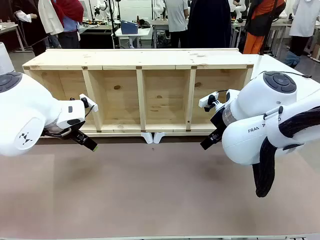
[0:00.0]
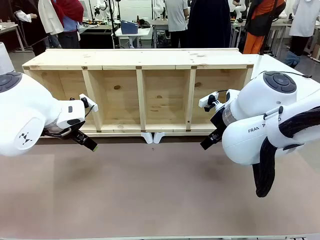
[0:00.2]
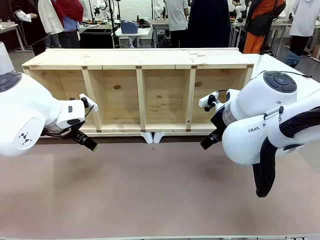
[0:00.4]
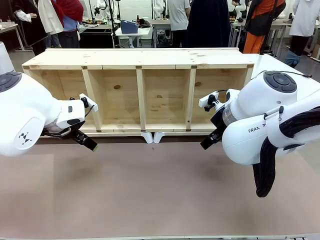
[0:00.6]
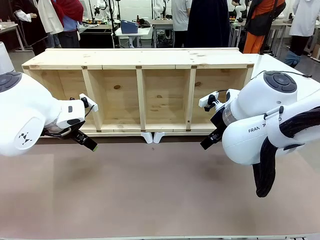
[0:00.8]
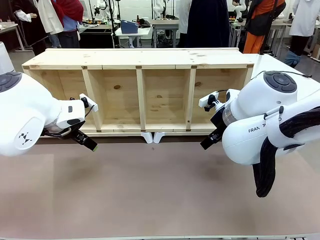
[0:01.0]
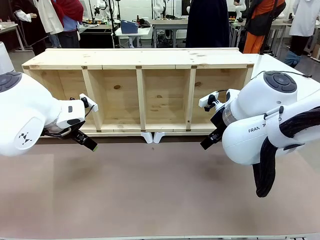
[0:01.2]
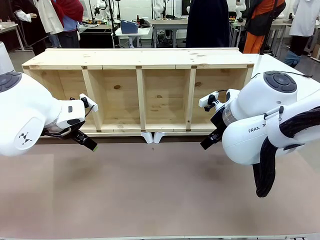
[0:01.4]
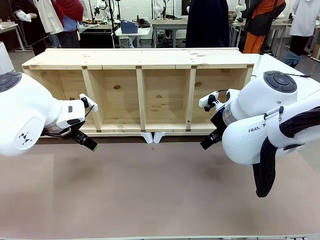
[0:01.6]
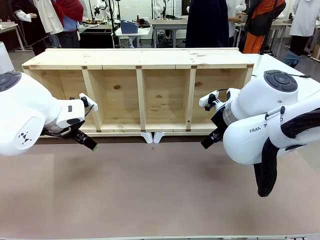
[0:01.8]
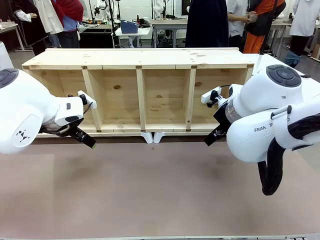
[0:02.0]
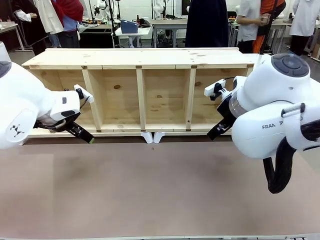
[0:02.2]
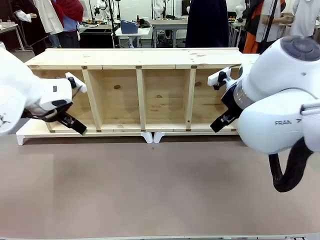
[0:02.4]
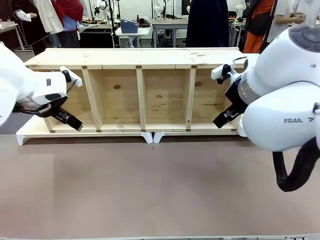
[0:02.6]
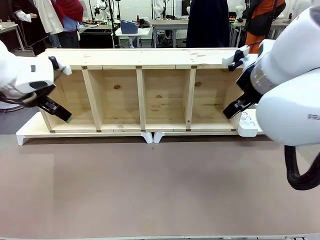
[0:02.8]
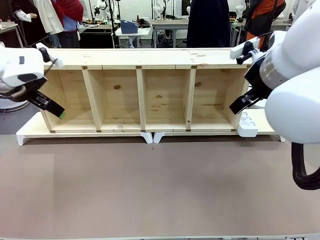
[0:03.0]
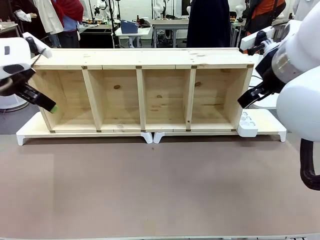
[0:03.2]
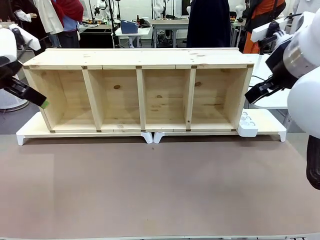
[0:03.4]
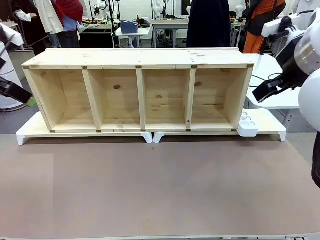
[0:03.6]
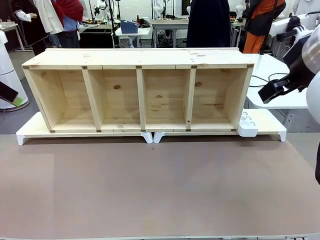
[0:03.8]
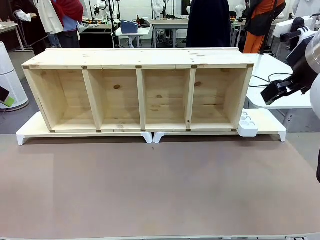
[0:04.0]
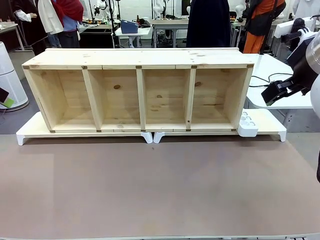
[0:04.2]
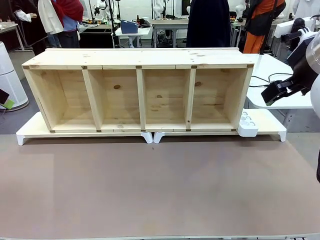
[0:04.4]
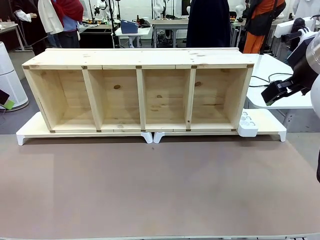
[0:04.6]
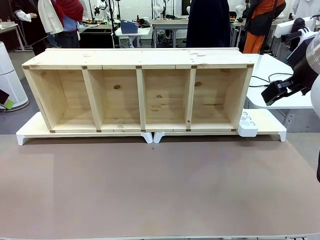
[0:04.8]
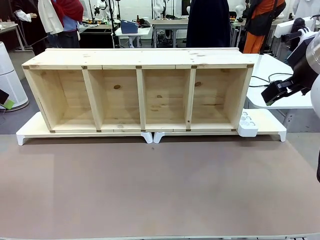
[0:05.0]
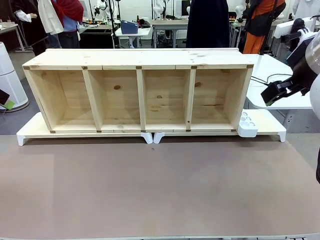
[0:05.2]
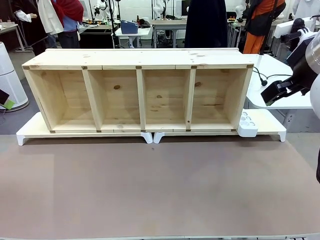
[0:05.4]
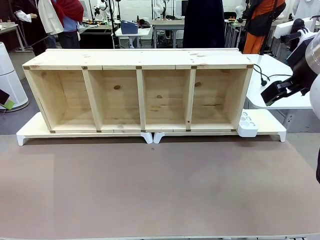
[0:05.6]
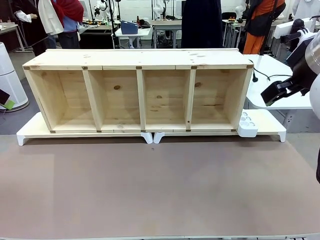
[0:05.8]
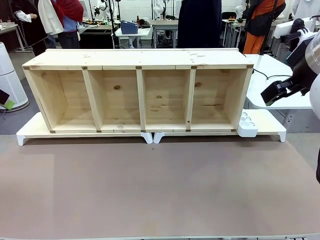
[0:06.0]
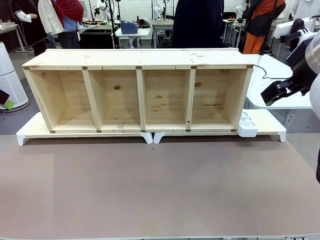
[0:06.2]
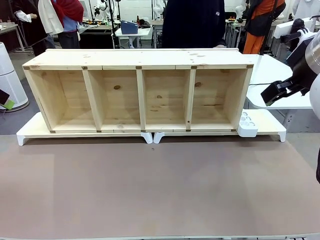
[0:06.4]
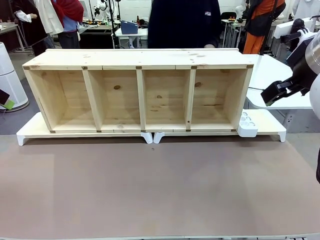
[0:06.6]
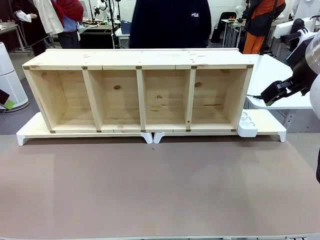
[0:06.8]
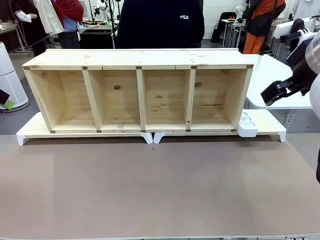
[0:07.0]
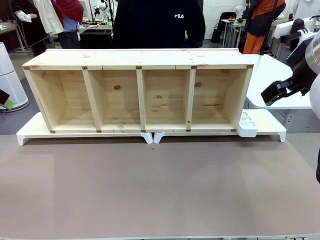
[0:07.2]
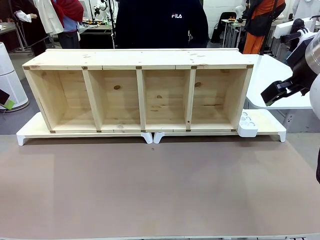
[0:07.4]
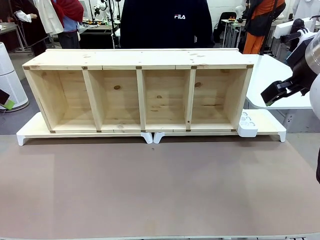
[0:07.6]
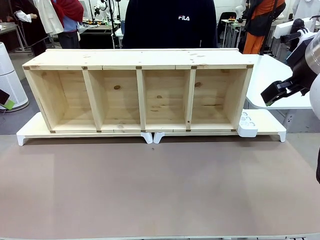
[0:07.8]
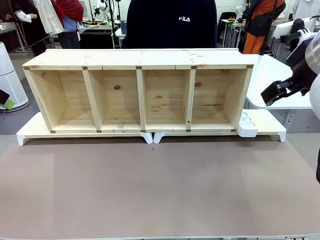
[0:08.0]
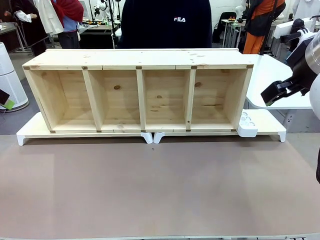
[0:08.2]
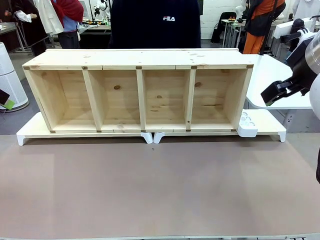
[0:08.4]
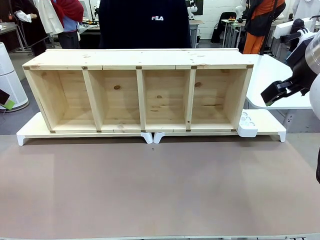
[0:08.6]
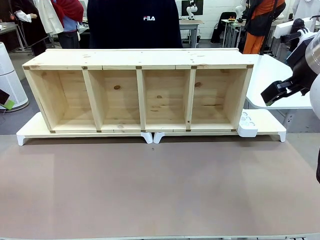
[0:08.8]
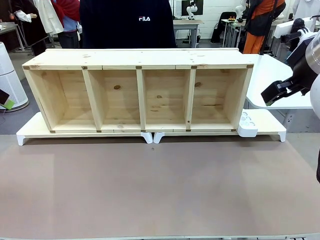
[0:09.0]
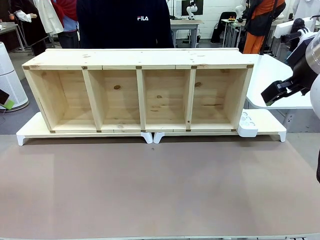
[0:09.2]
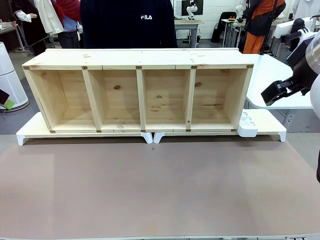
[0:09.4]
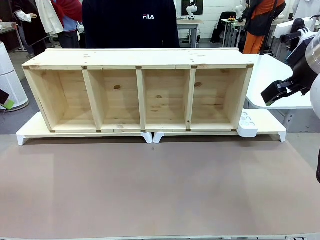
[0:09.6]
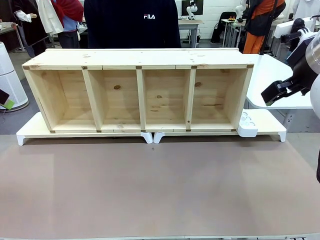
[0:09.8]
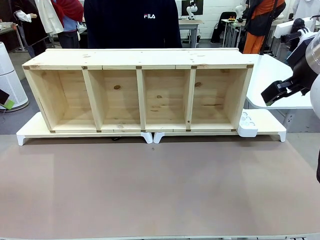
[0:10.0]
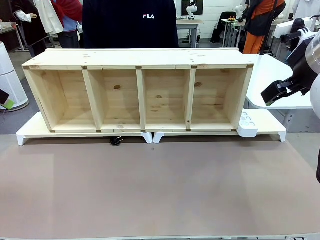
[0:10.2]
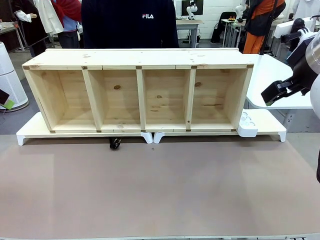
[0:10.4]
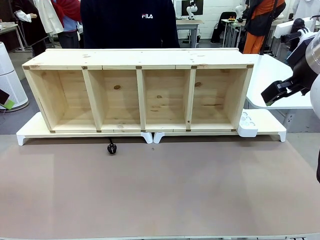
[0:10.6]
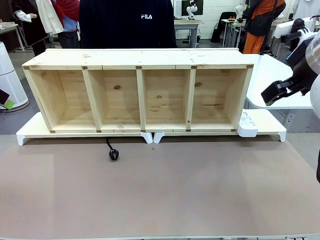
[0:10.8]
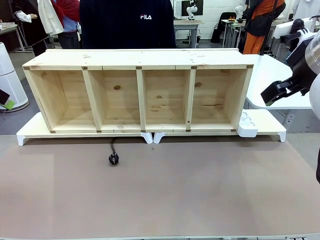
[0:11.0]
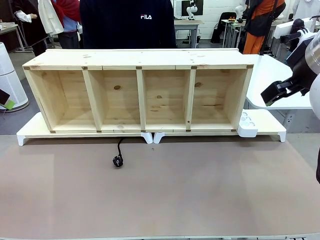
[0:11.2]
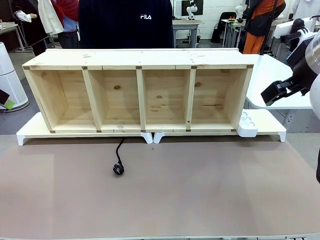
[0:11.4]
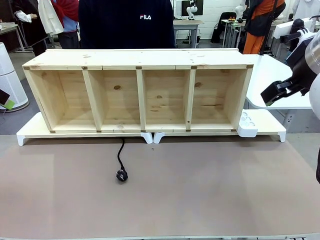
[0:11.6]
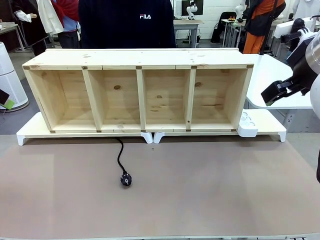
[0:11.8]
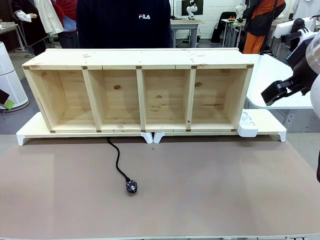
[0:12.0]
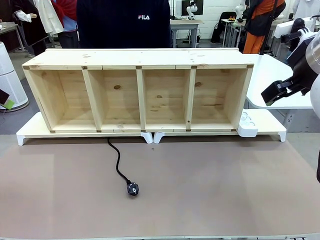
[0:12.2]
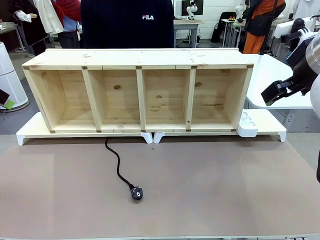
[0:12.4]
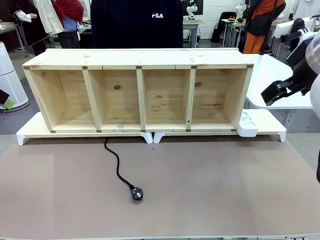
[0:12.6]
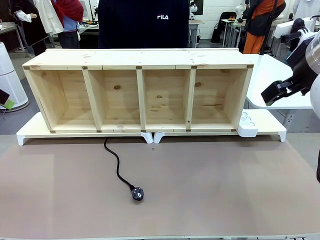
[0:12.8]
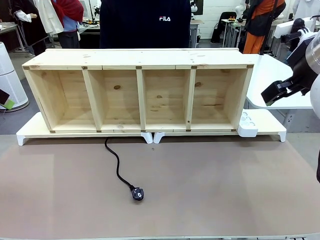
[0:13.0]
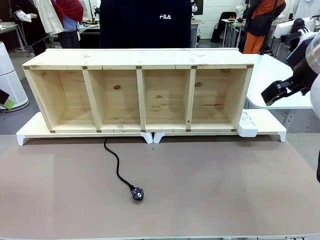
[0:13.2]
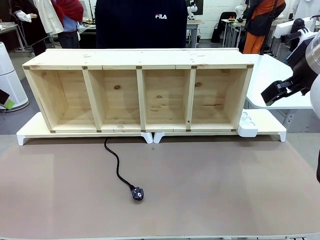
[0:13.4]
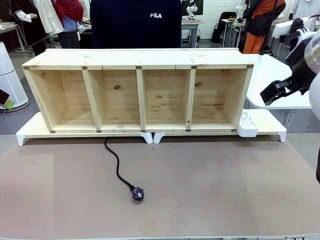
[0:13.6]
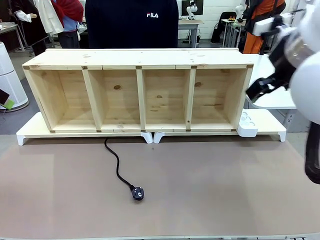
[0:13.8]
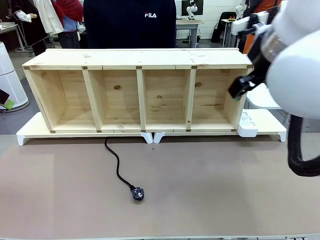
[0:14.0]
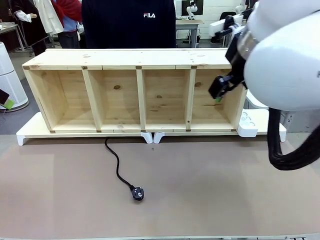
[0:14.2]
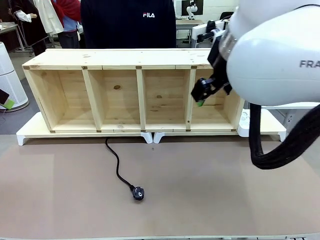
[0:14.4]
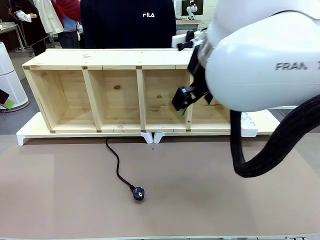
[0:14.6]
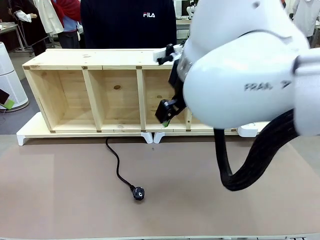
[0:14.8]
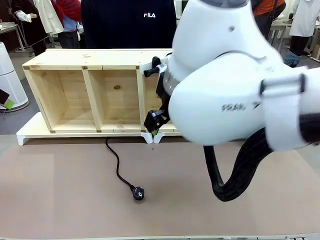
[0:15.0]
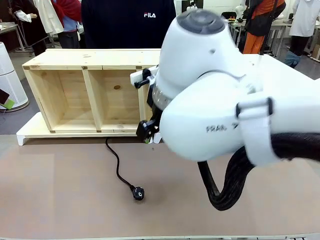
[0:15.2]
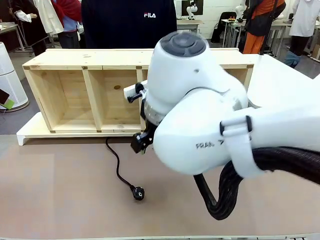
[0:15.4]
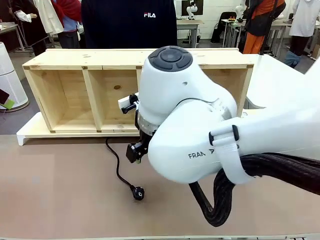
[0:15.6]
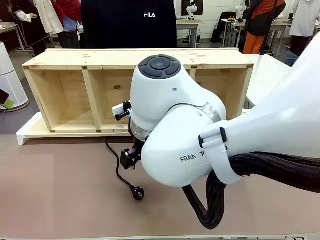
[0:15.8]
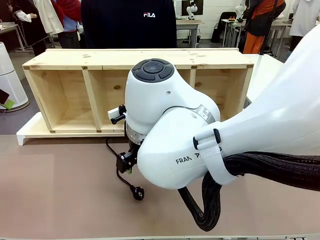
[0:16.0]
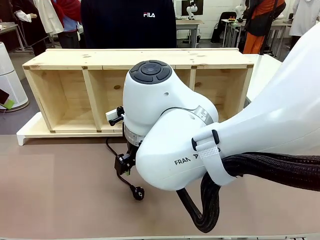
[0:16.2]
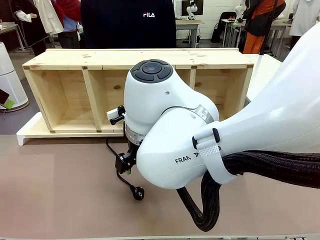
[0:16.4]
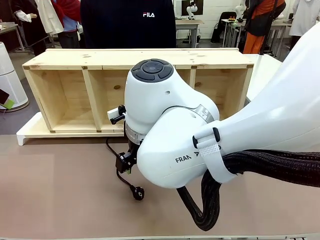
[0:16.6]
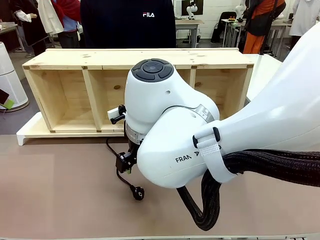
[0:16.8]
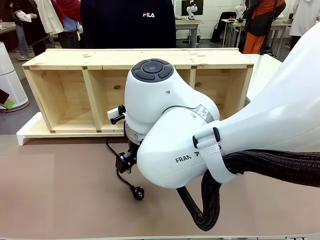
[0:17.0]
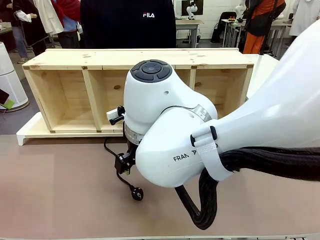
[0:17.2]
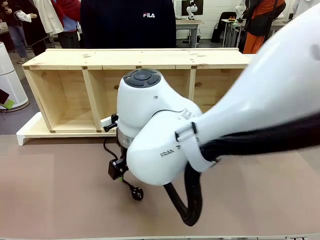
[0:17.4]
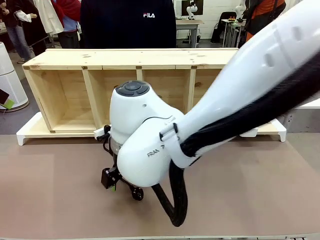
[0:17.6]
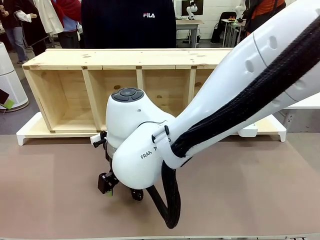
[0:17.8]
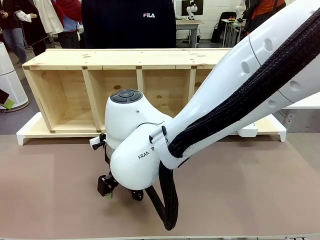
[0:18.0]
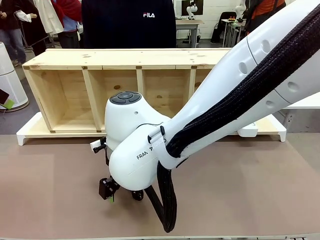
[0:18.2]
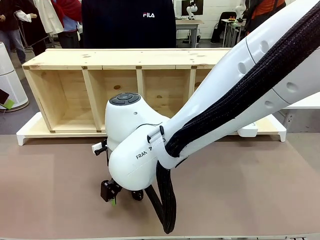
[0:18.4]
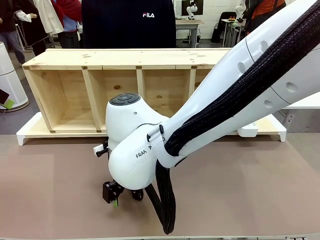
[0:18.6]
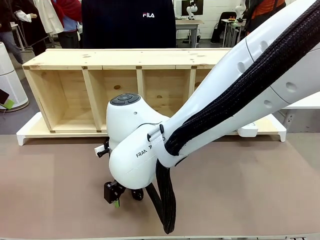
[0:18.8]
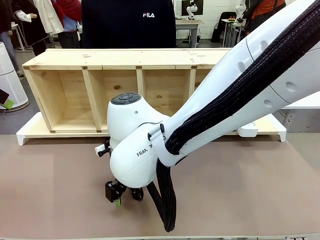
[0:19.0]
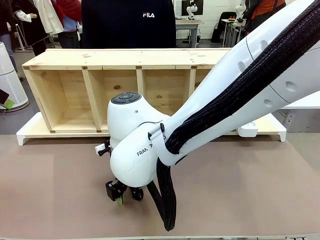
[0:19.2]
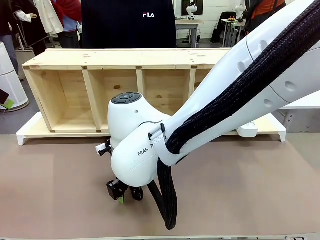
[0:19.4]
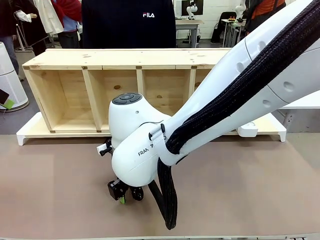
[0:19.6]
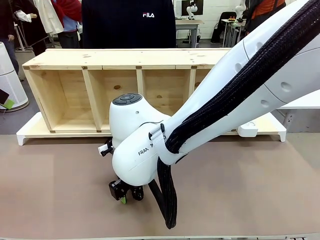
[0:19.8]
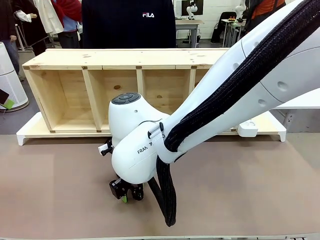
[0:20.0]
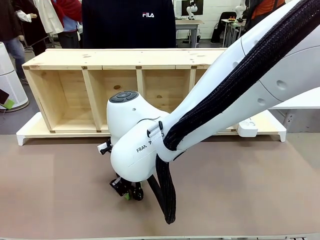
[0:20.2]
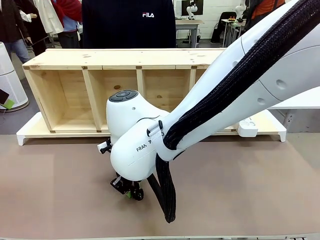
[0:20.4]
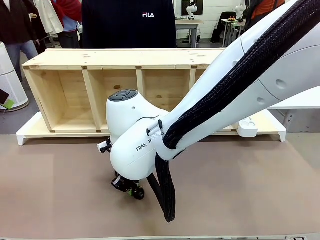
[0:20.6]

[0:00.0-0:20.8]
Task: Perform cable management.
Robot: When the cord part of the Power Cable appears at the lower middle area of the table and stops, grasp the cord part of the Power Cable.
Person: Pass the Power Cable under the Serving Table.
